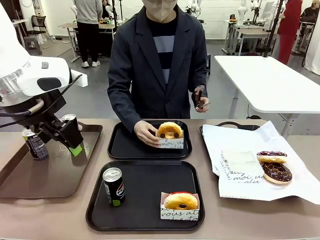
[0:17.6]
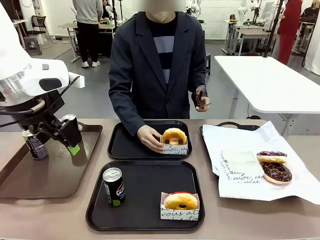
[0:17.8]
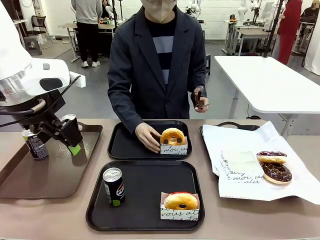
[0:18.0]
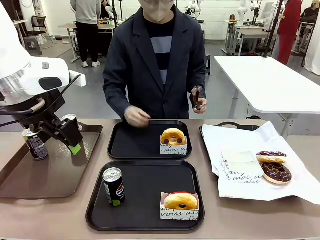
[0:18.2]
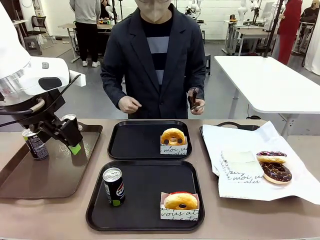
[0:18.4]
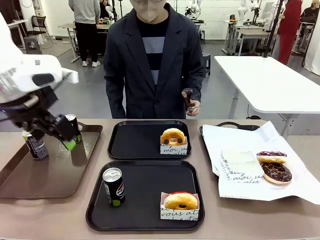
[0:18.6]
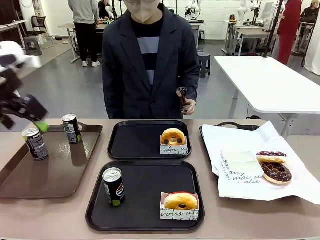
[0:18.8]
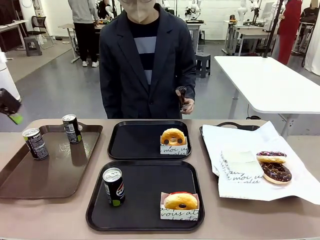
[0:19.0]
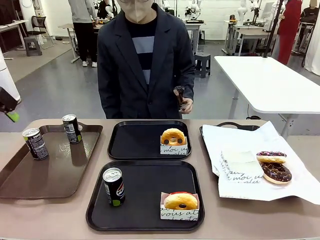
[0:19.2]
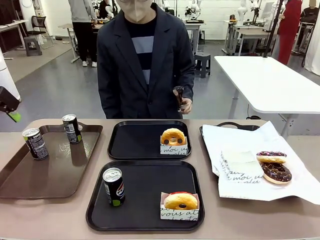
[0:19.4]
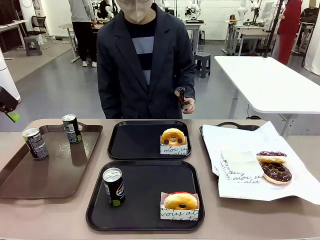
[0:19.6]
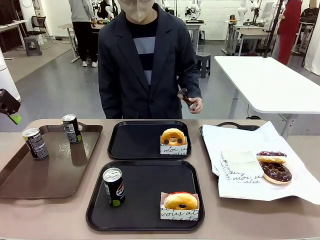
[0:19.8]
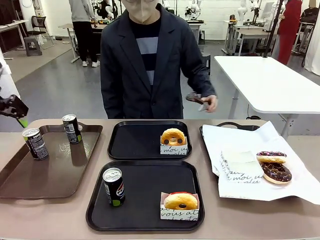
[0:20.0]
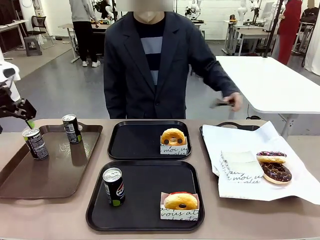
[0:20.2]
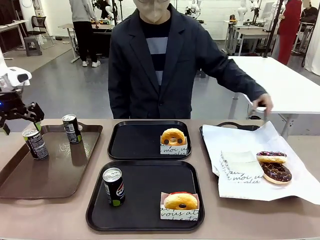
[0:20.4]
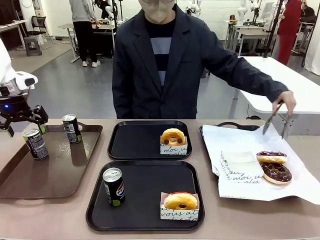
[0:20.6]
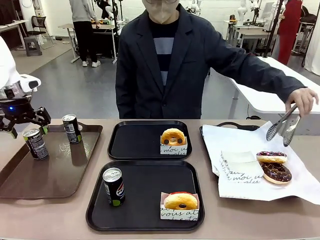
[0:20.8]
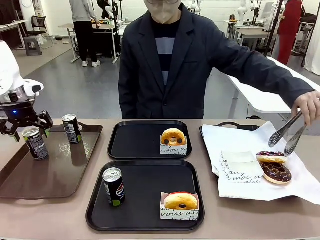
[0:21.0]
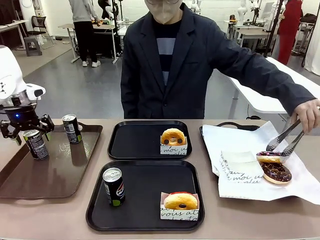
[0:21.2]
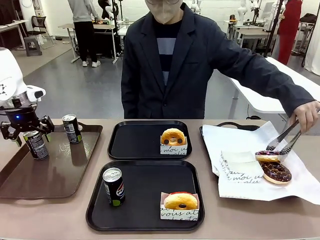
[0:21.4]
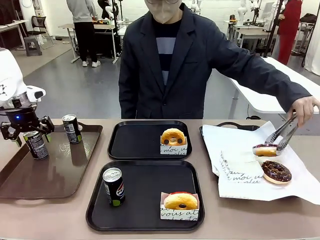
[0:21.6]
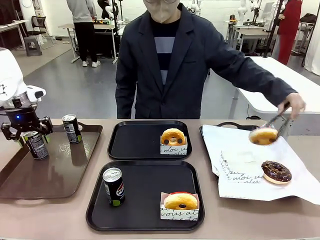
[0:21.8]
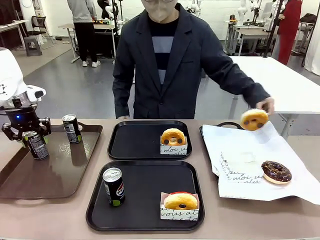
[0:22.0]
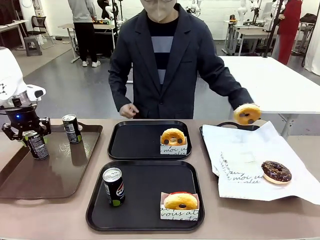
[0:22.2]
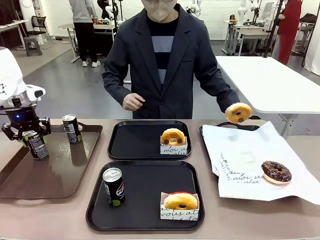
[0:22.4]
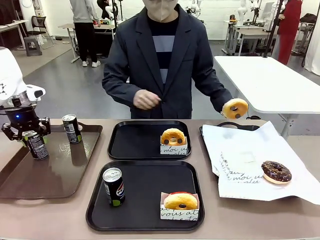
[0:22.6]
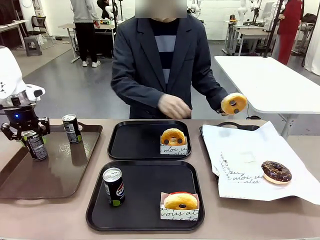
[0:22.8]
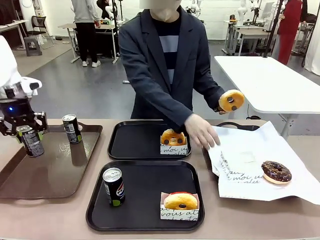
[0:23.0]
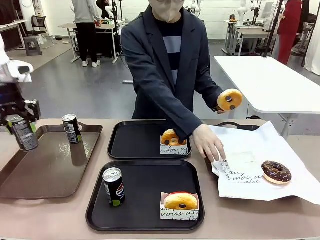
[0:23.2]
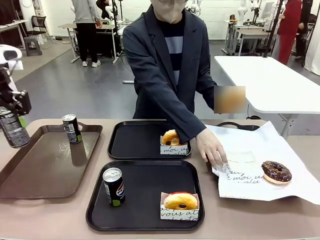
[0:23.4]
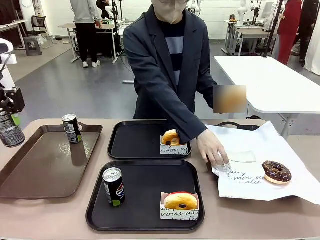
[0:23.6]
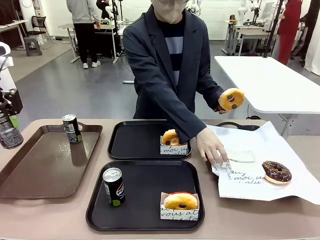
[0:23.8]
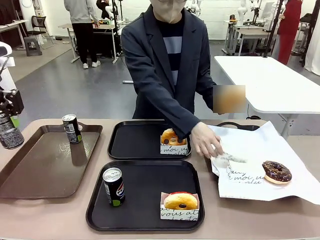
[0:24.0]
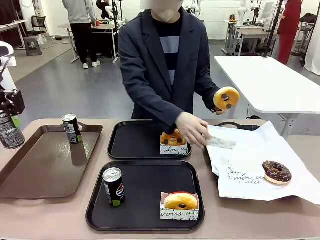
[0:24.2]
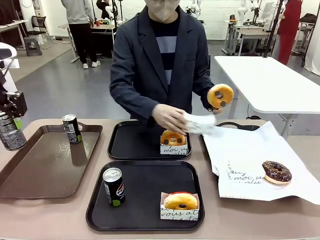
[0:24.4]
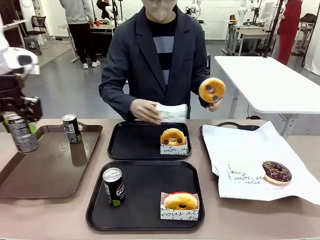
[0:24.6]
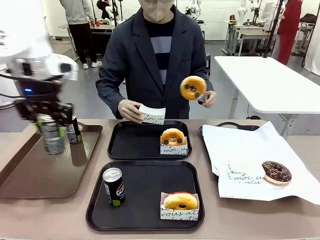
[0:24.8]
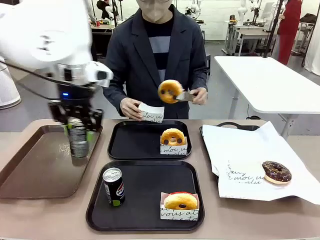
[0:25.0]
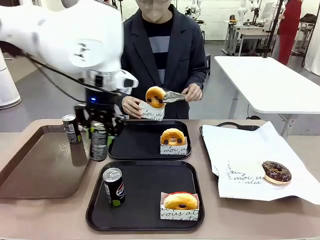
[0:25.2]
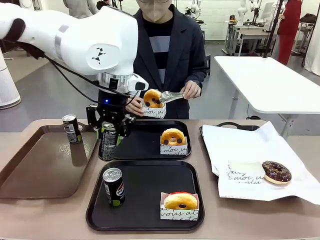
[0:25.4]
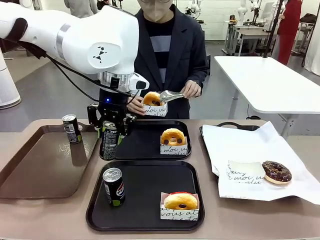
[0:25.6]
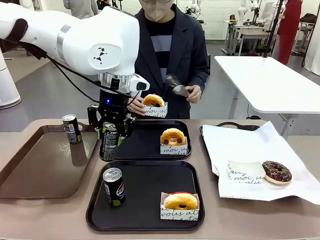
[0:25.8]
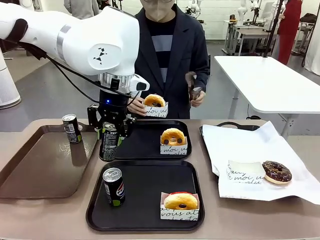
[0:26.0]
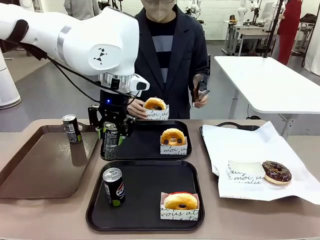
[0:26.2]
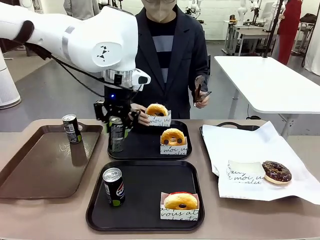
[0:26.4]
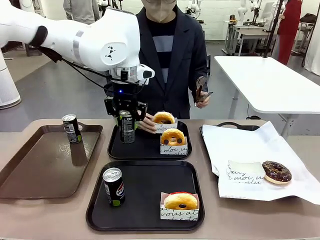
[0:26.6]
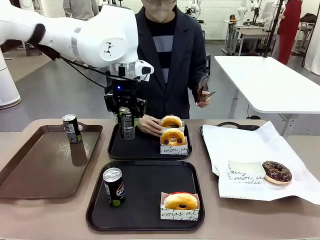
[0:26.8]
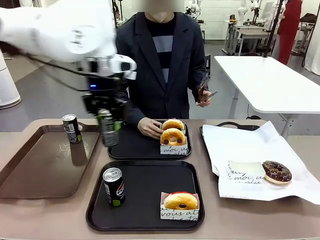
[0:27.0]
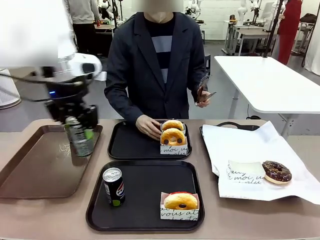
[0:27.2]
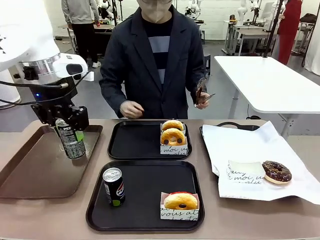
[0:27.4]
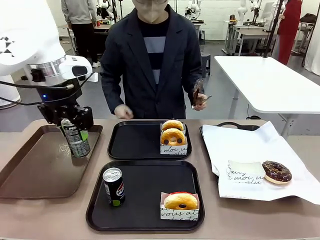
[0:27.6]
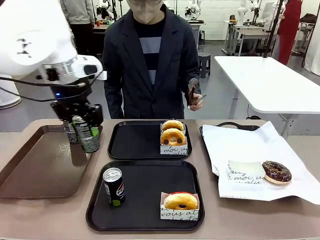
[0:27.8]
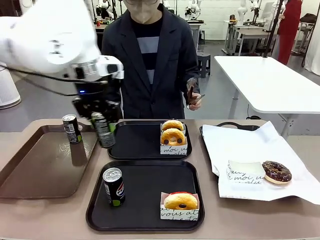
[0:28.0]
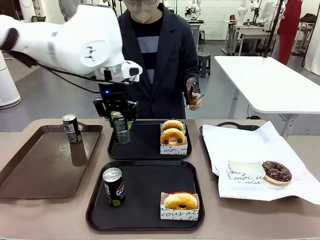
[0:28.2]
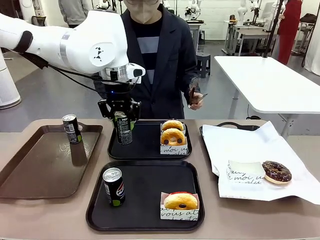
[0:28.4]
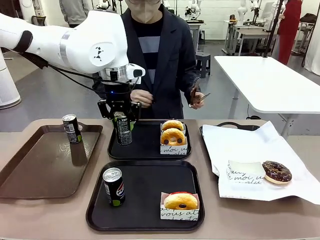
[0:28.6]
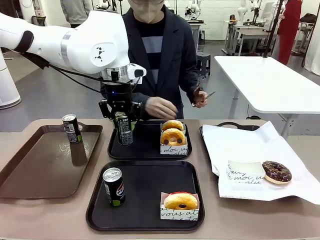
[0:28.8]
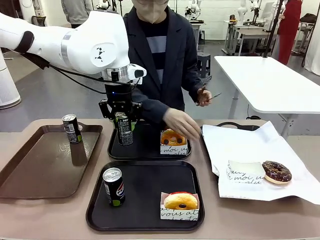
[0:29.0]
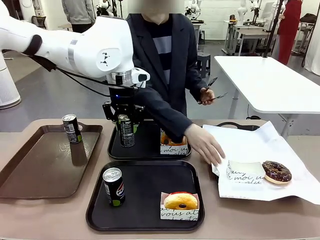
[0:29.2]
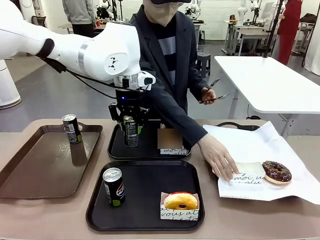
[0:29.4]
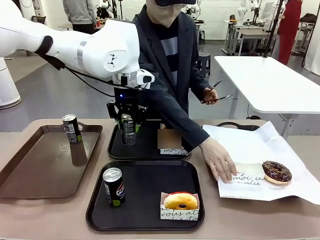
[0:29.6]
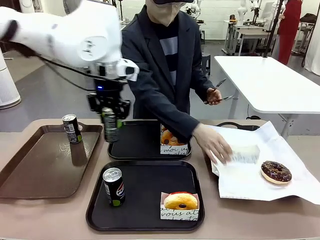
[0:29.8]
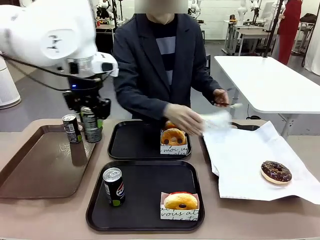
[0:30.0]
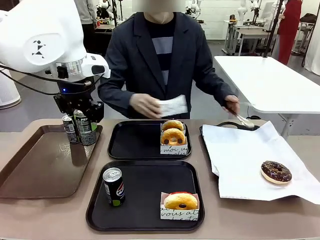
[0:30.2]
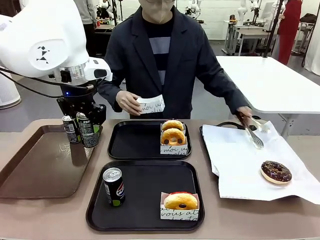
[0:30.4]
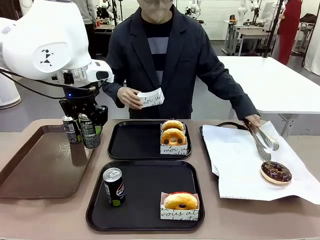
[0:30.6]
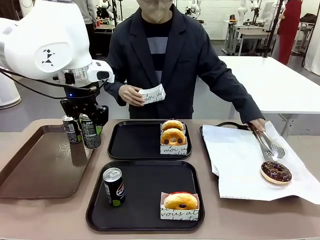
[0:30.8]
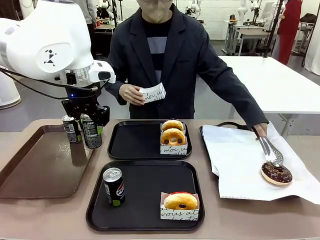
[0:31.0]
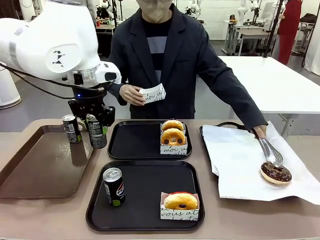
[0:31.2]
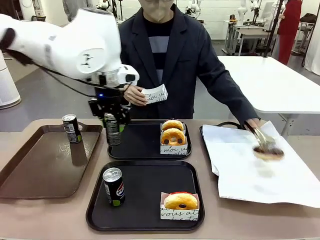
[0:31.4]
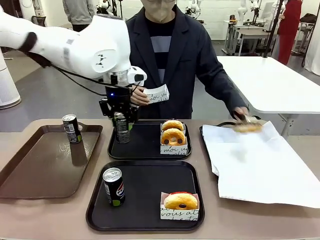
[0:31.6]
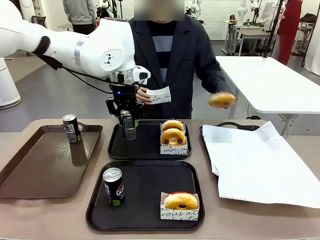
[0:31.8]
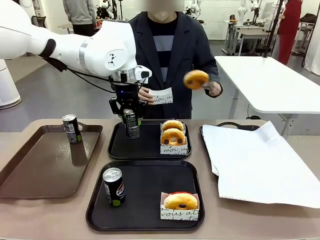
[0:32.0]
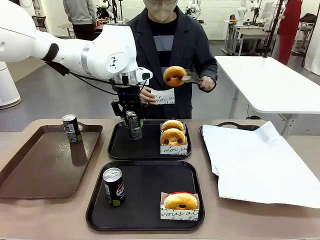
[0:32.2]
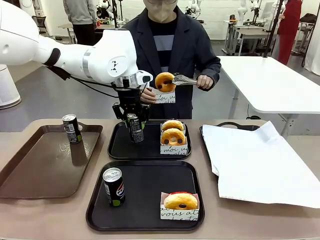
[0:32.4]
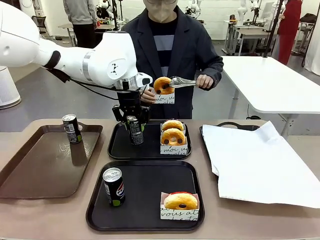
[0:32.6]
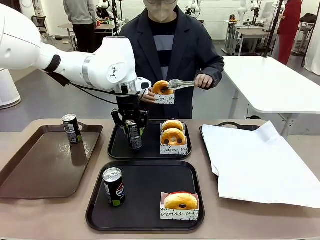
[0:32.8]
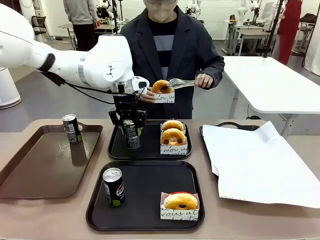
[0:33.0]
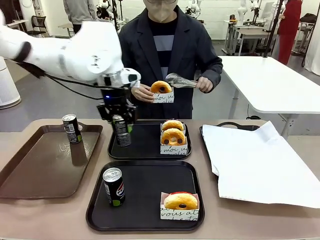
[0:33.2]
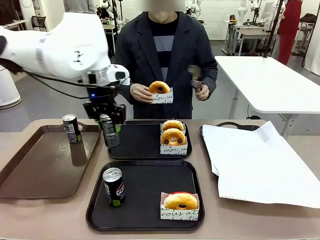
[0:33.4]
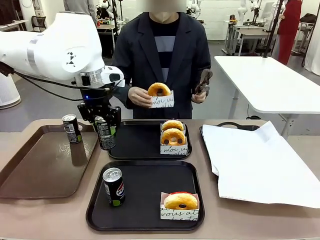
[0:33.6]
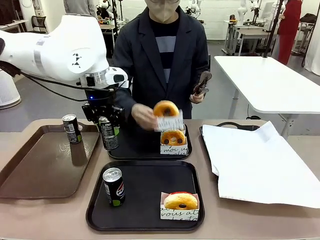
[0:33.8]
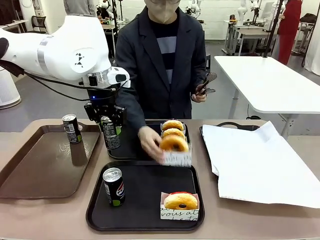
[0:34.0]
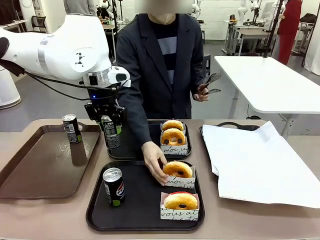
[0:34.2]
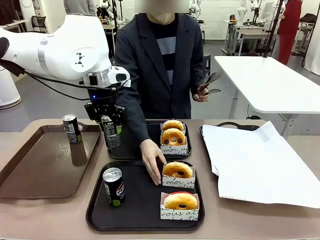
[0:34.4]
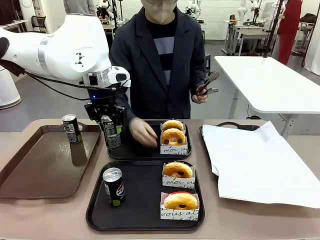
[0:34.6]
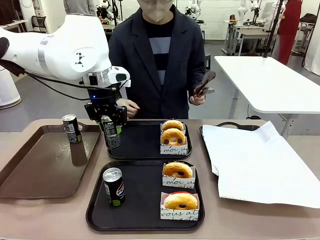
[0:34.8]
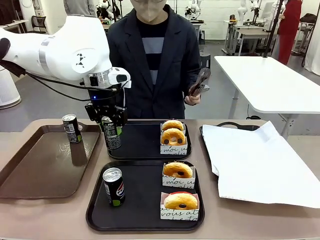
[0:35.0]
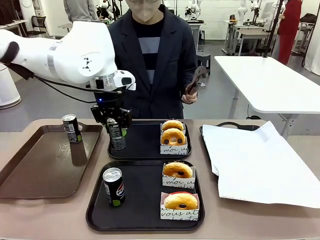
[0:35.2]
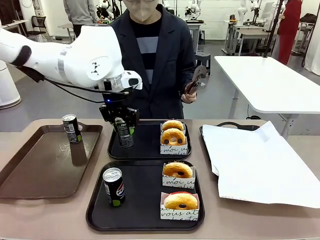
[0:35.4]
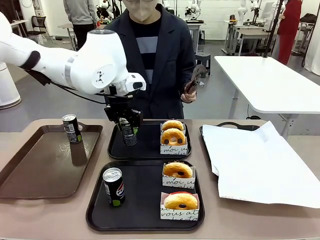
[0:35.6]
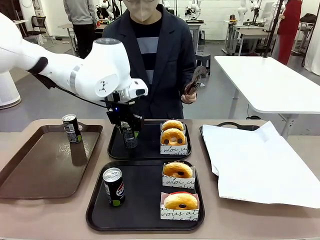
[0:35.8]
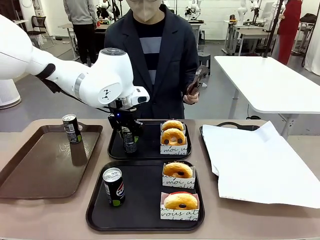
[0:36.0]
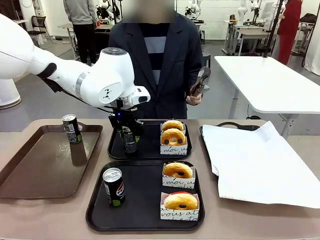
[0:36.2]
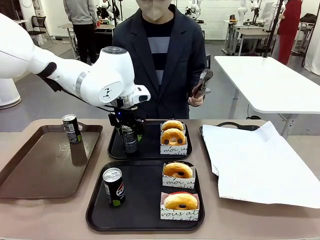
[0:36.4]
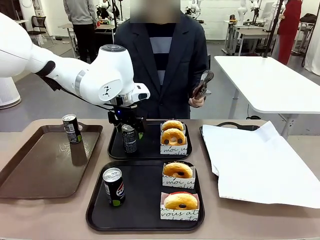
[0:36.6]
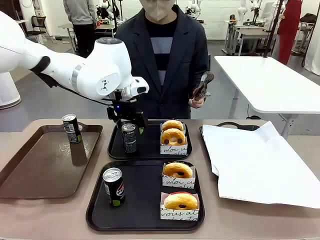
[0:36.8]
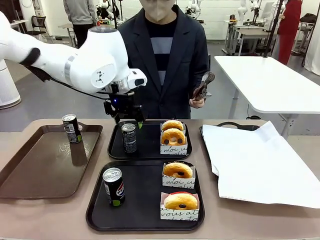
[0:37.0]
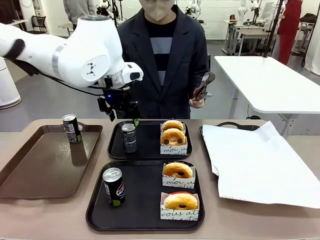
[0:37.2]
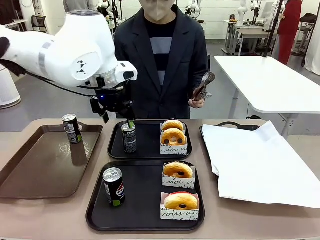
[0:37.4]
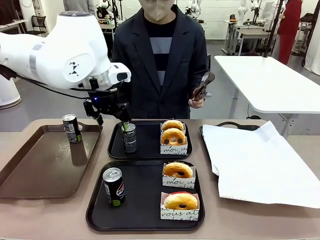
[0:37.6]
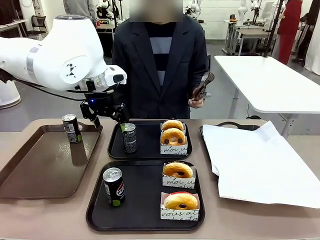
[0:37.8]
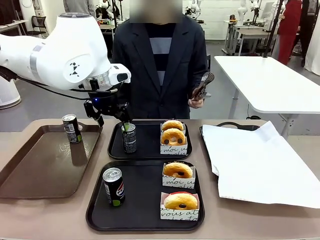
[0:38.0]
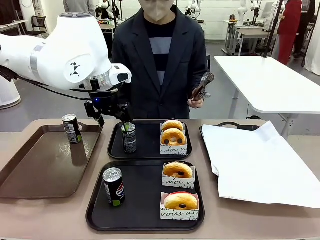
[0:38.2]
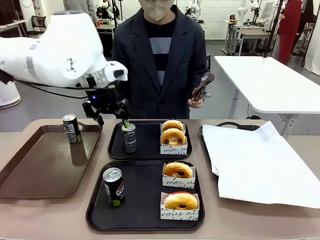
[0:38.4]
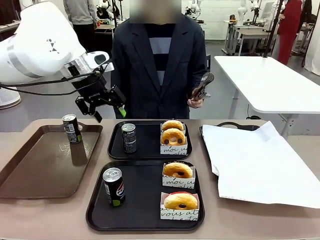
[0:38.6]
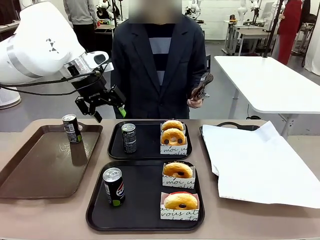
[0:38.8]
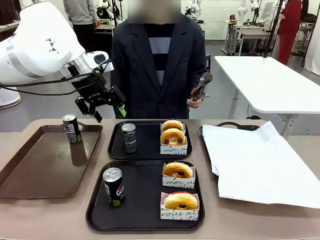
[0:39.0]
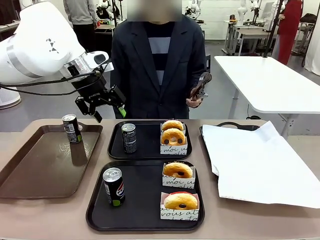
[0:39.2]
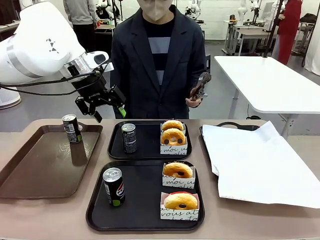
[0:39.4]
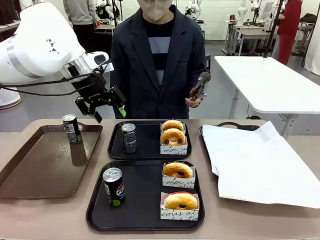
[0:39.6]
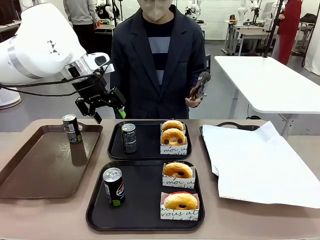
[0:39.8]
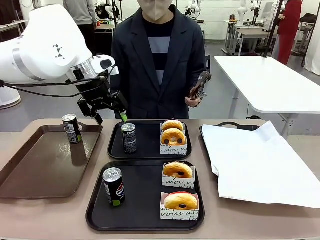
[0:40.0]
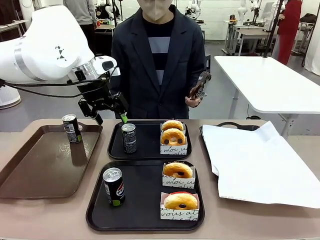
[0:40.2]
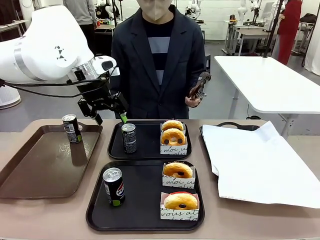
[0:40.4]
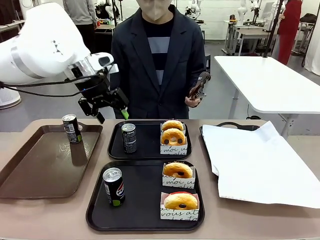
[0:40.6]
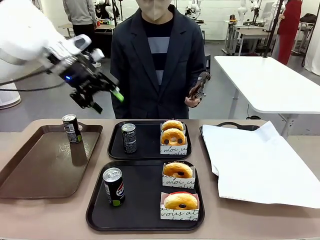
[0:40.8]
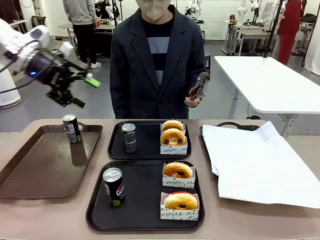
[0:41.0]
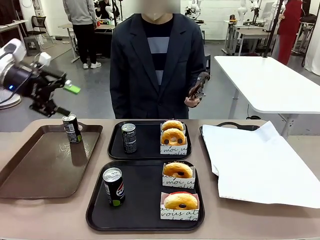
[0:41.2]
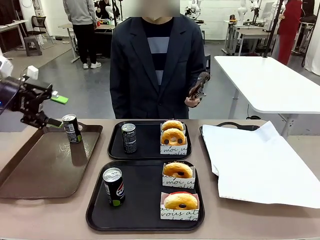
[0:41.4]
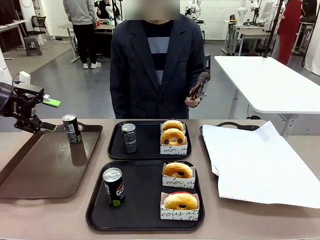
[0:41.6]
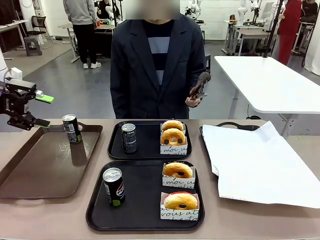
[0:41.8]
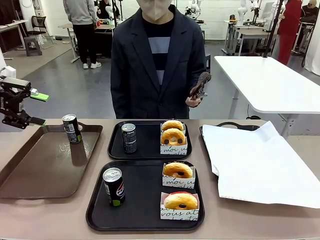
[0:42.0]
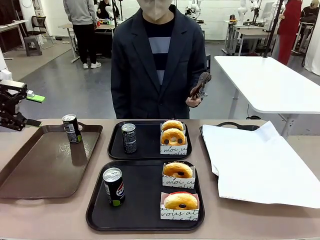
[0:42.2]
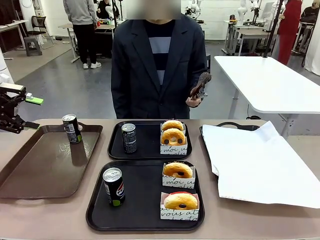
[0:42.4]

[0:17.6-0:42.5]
Task: Set up donuts and drinks on trays.
Robot: Pick up one Pepsi coke from the Handle tray and place it on the Flat Tray without a Pepsi coke.
Person: Pick up one donut with tongs, place it in the donut tray, and then place the donut tray on the flat tray.
